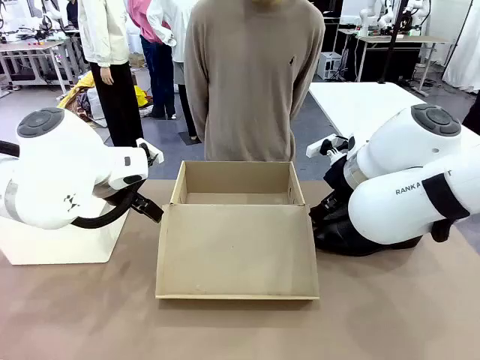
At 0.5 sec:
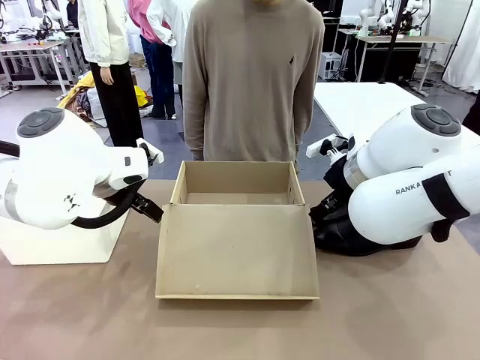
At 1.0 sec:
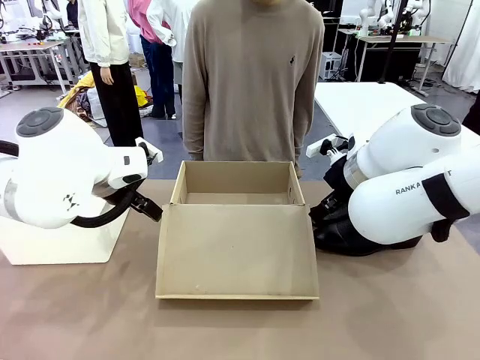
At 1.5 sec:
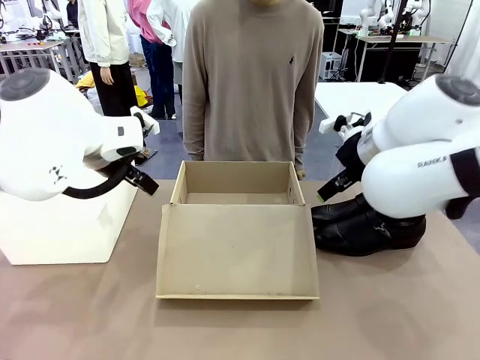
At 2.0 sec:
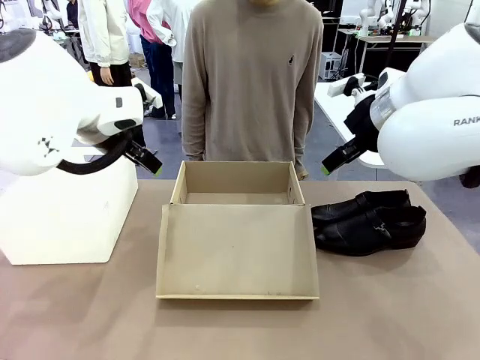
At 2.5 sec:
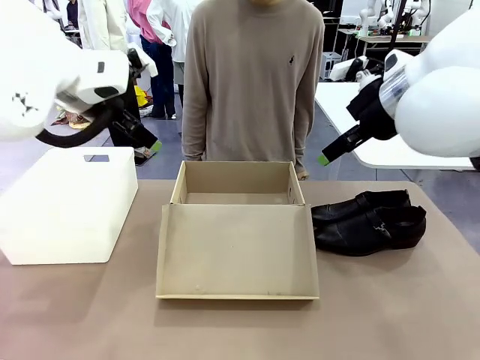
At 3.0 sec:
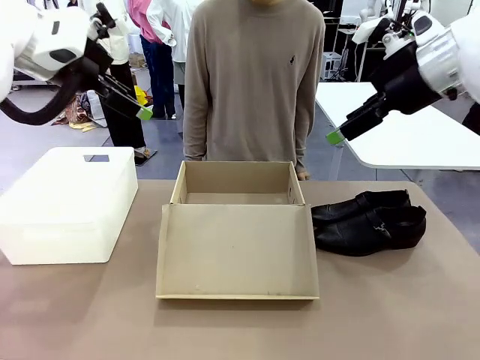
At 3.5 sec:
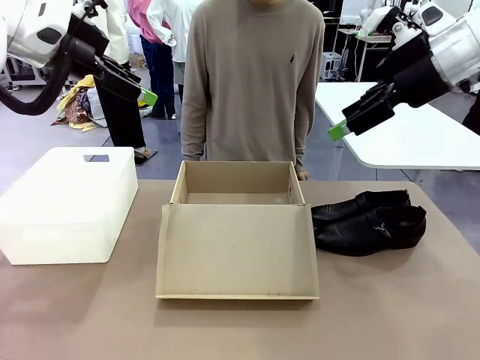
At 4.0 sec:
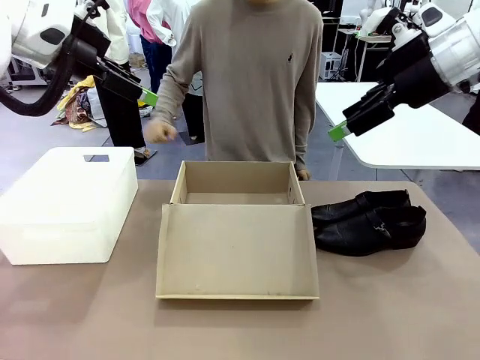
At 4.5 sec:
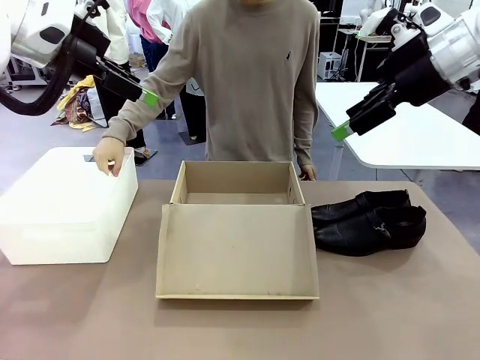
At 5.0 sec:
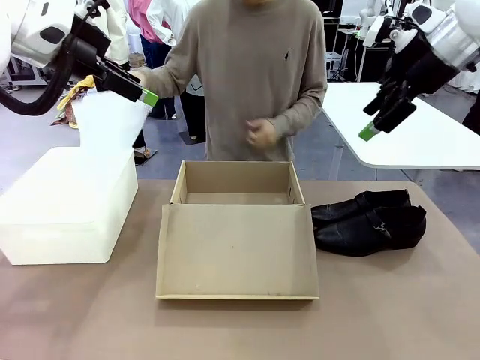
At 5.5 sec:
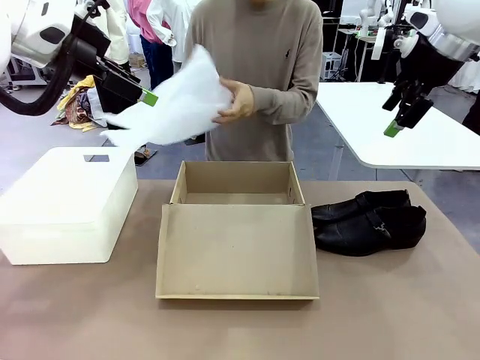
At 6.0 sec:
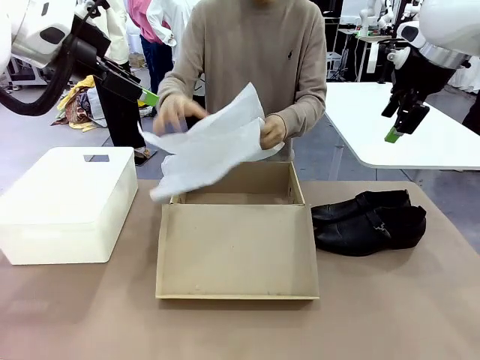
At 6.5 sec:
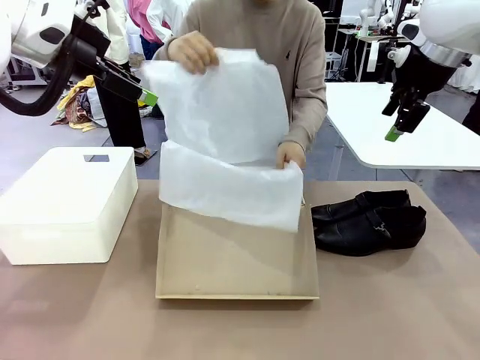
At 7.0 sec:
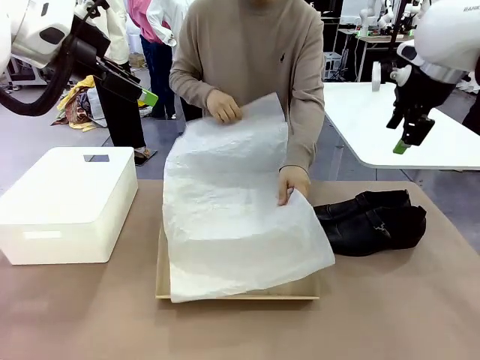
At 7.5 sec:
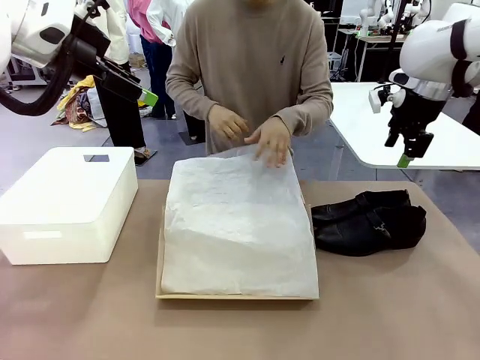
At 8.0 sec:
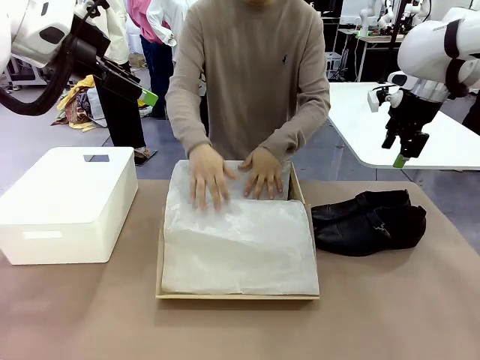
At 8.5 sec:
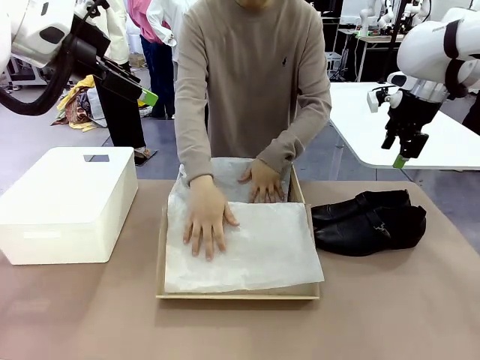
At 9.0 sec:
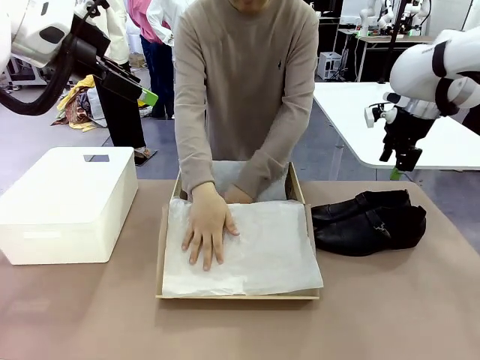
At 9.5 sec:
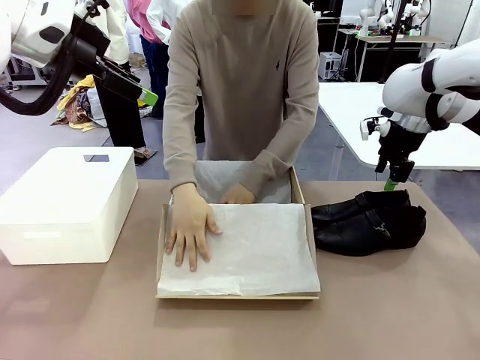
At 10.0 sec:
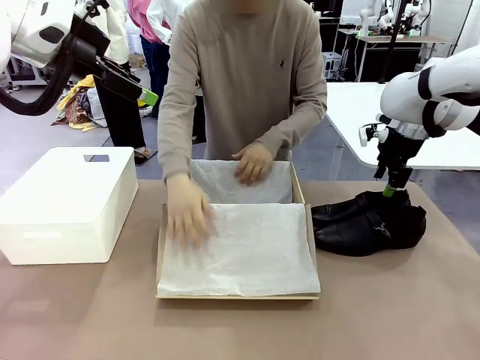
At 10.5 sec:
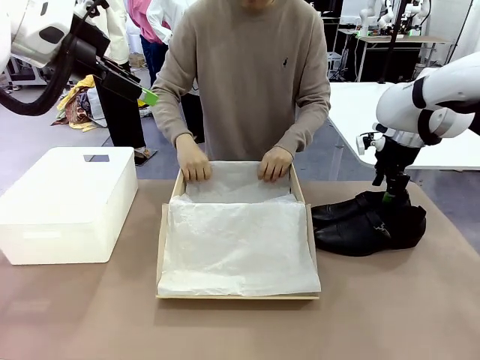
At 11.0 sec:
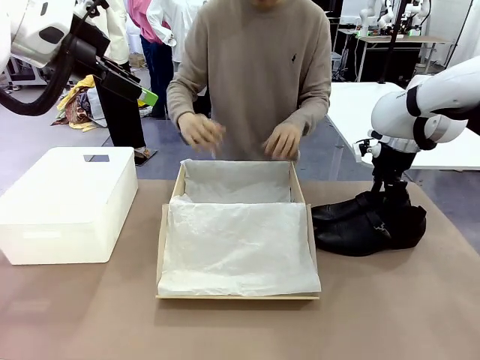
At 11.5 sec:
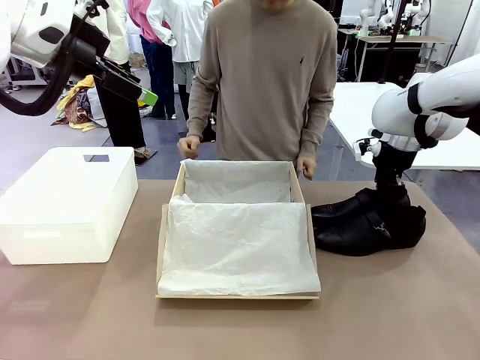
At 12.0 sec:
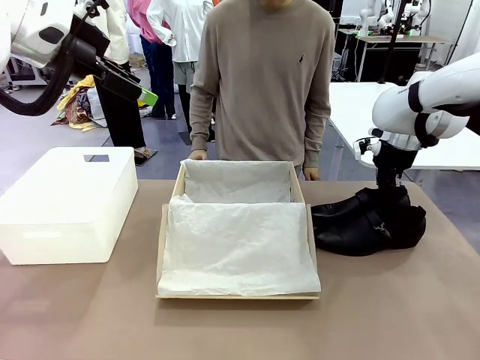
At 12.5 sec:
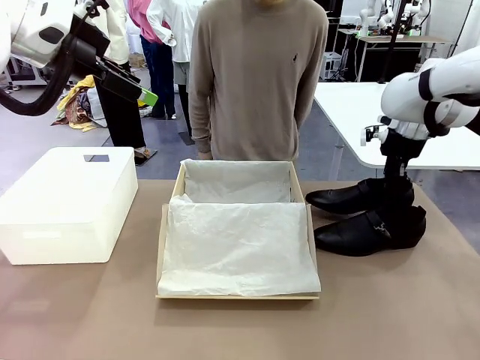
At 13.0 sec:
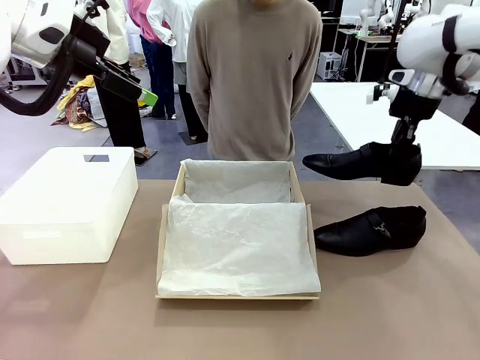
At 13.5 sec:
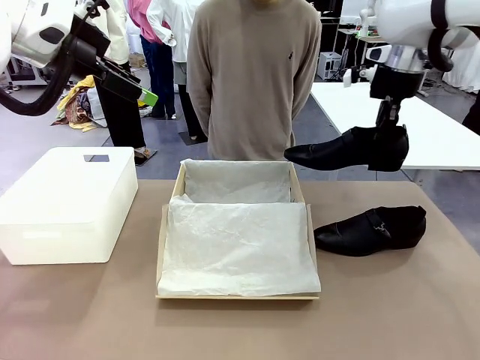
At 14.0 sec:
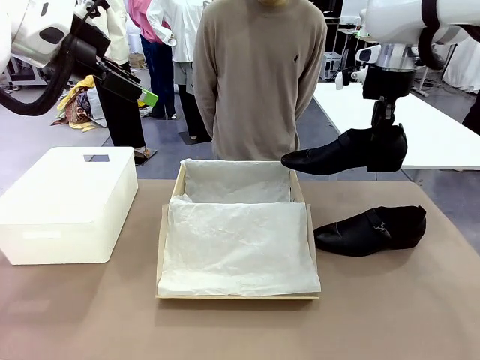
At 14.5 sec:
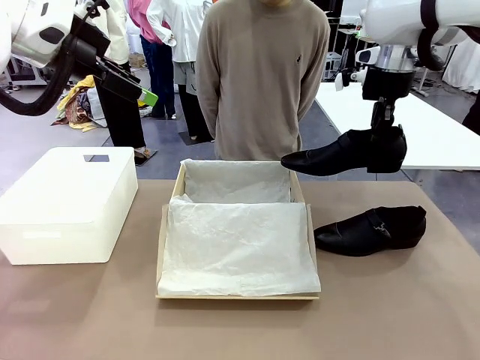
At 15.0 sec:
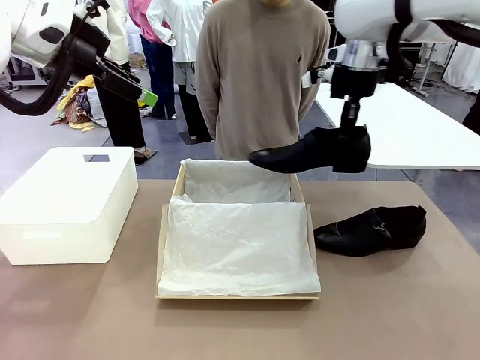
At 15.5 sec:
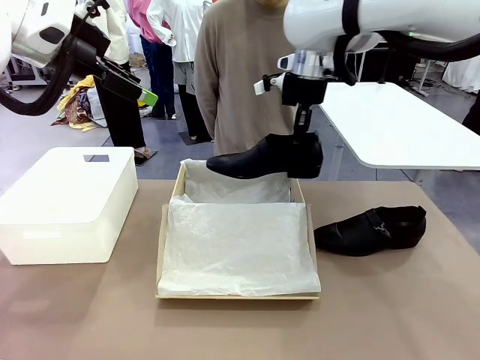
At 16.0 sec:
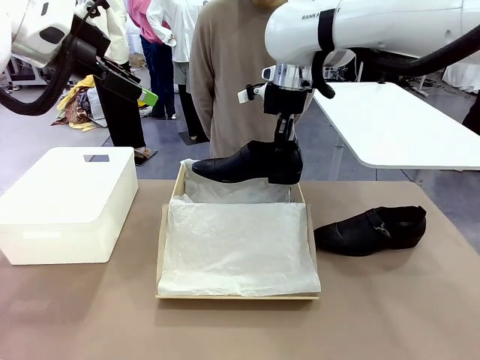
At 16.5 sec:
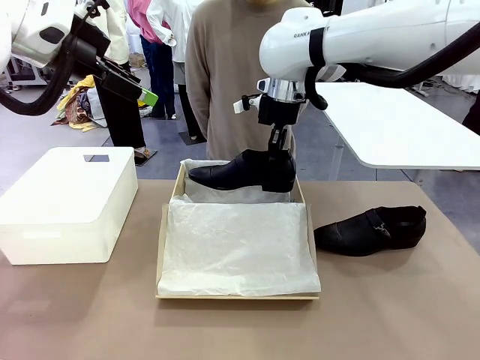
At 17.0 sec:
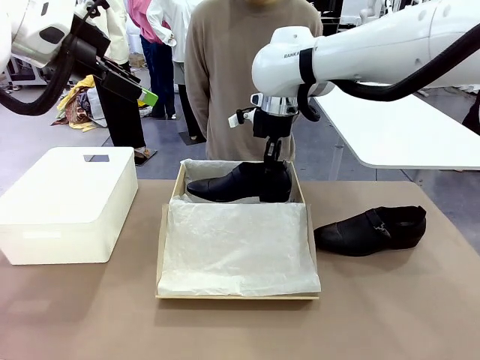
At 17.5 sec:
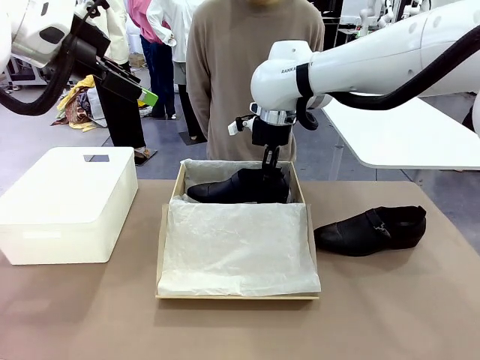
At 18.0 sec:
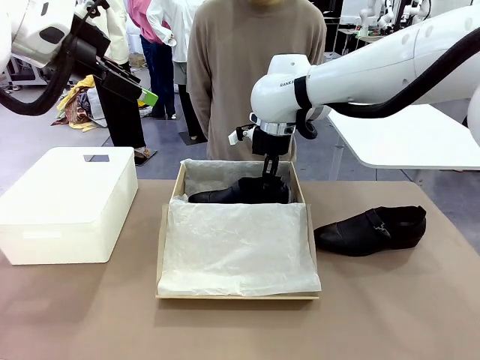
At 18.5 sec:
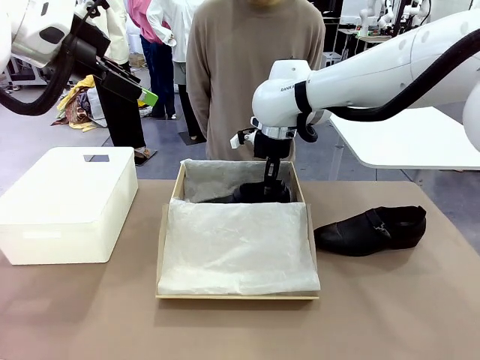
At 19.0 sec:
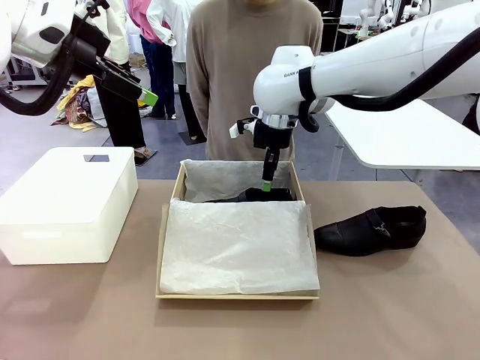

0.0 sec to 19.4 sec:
Task: Pack the shoes into the box.
Robot: Place one shoe of the Shoes into the Shoes Box.
Person: Spread Shoes Wrapping Paper and place inside the Shoes Box.
